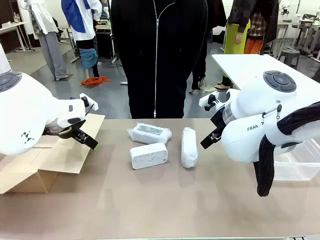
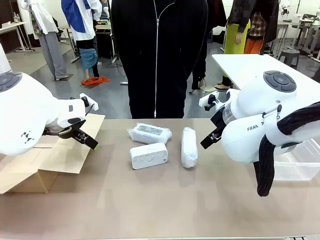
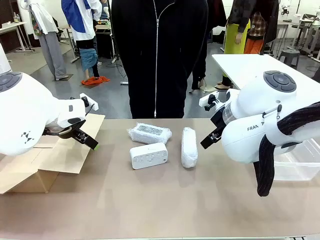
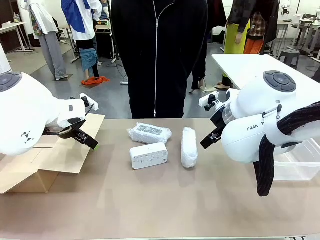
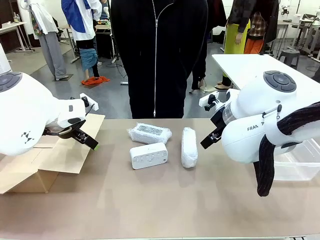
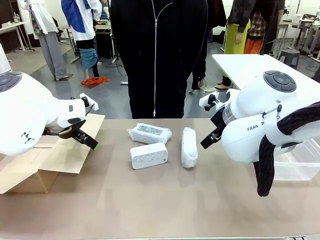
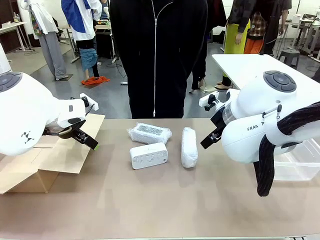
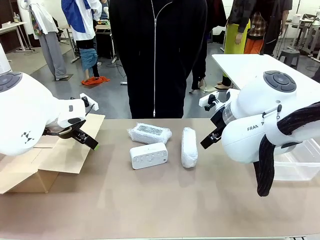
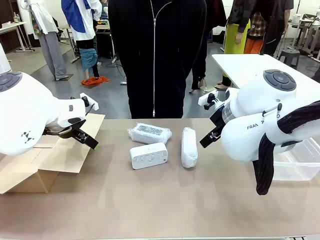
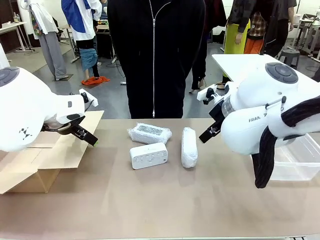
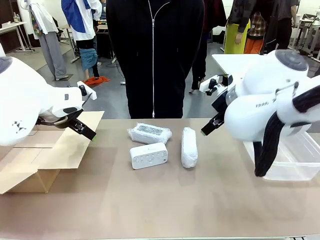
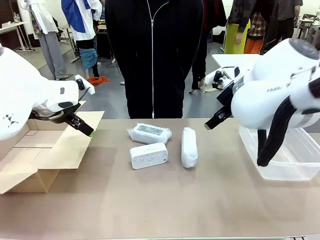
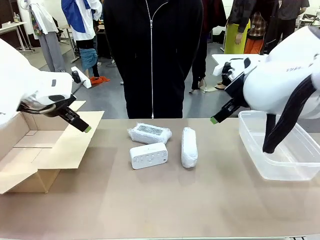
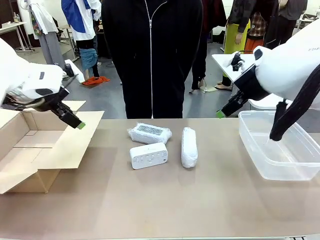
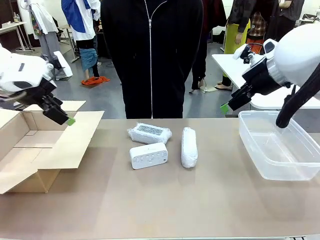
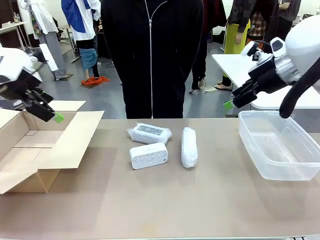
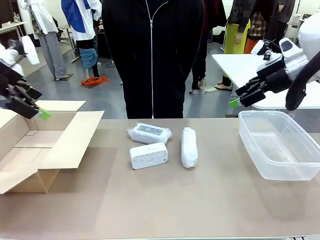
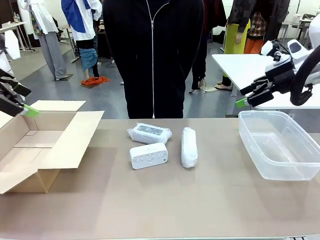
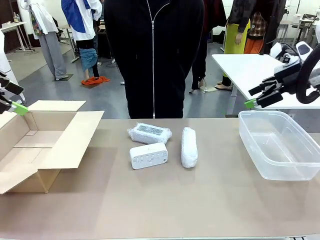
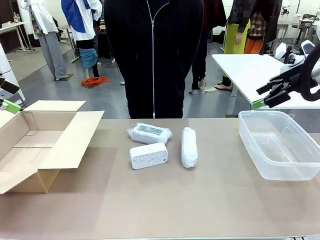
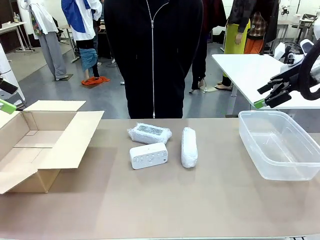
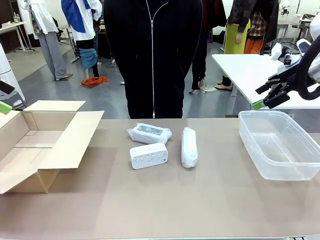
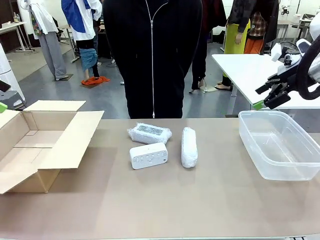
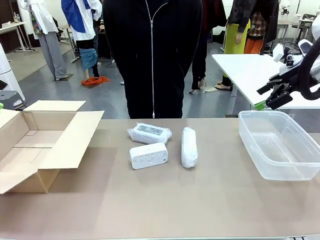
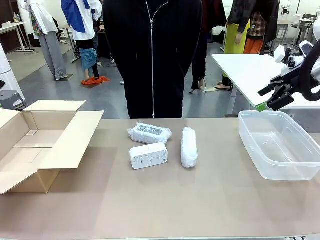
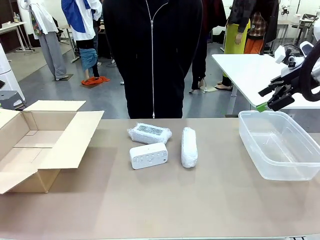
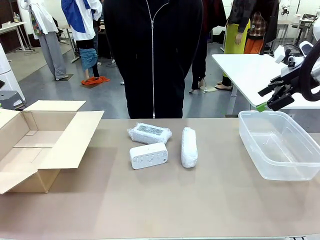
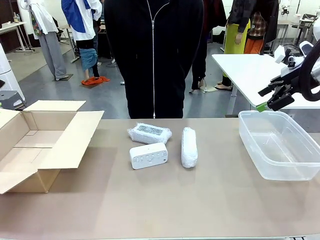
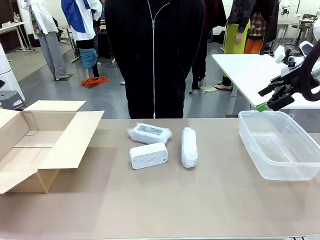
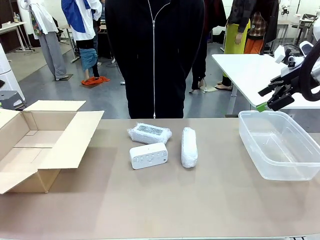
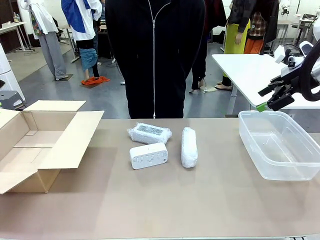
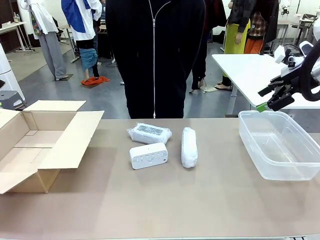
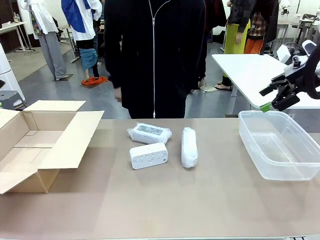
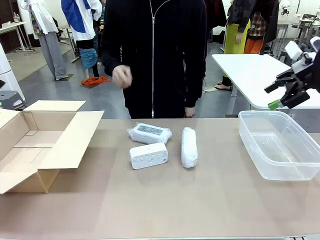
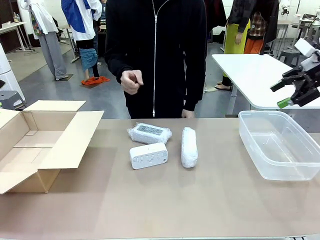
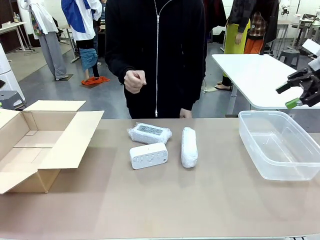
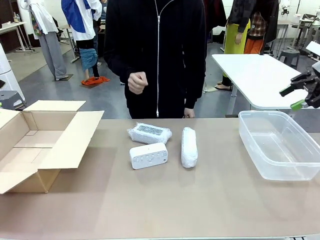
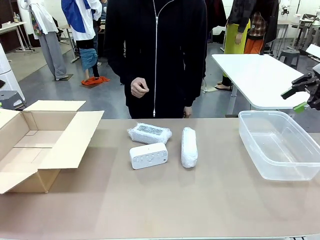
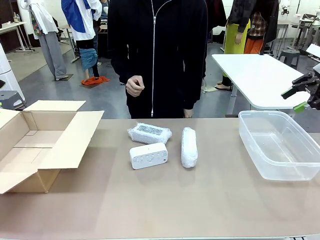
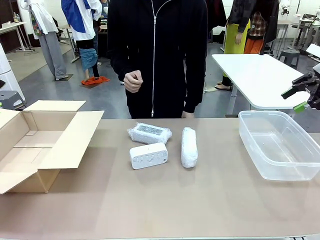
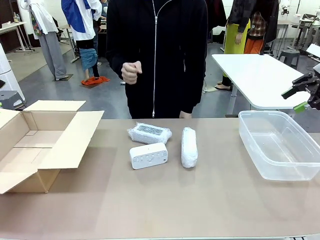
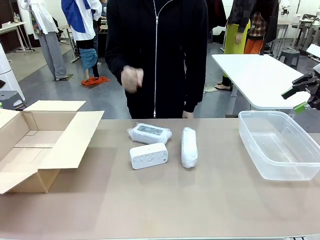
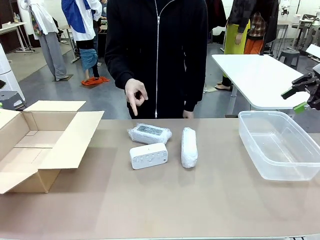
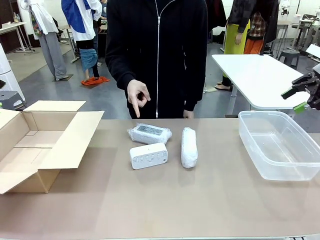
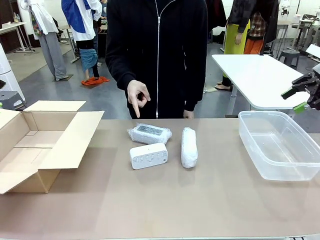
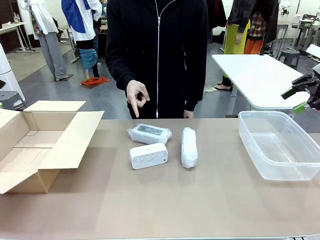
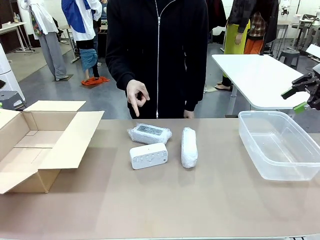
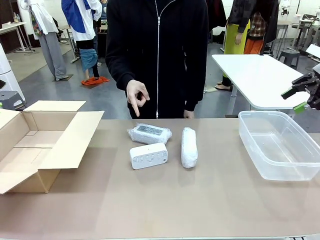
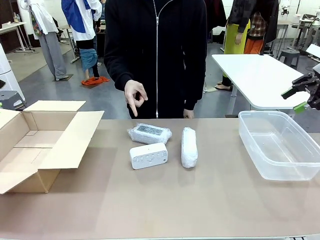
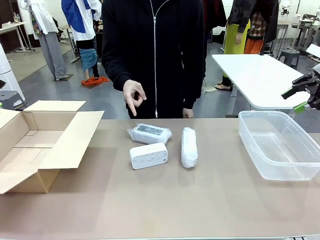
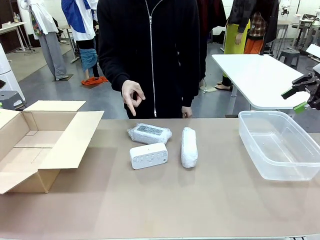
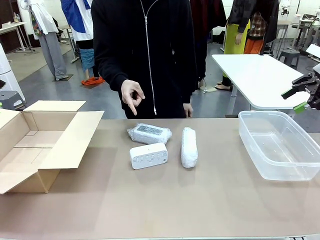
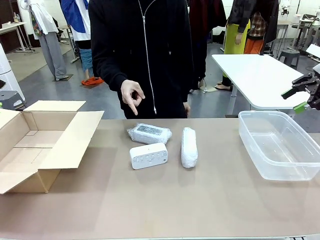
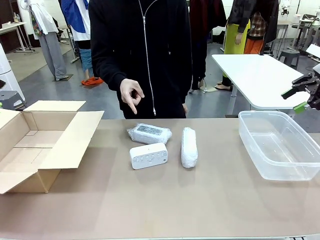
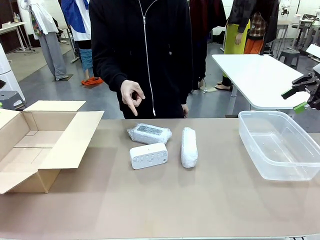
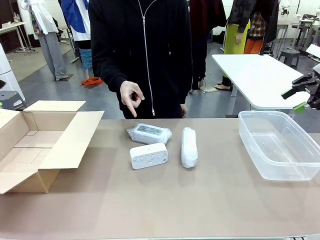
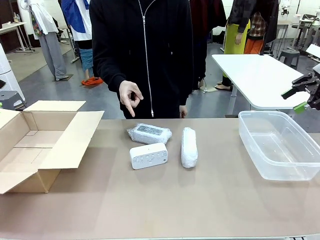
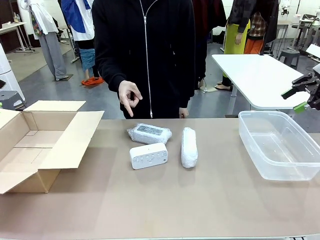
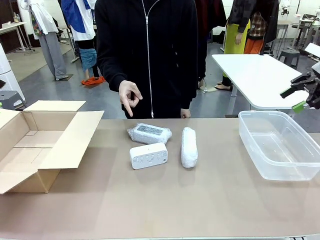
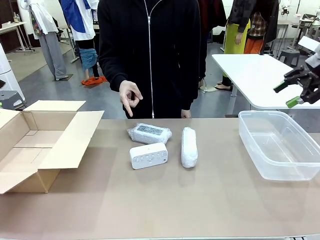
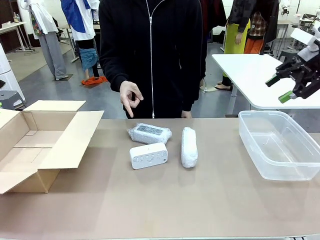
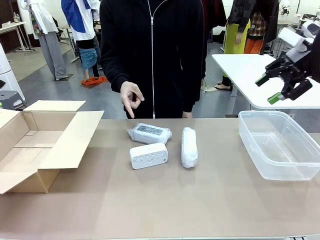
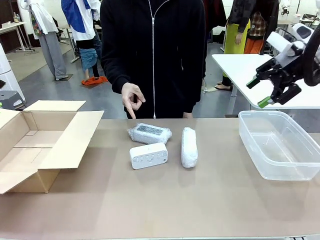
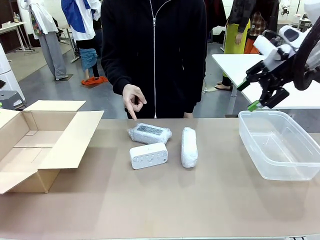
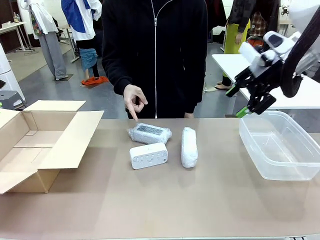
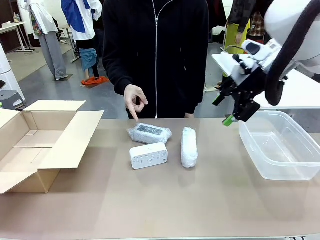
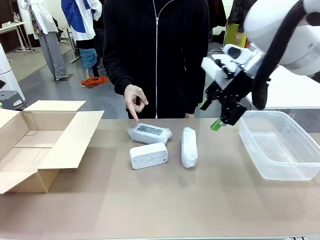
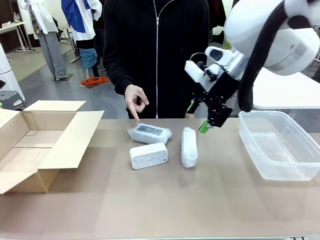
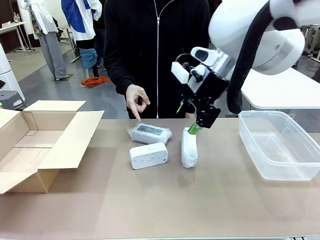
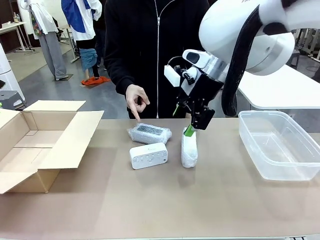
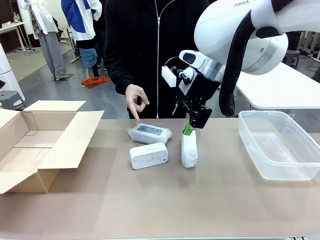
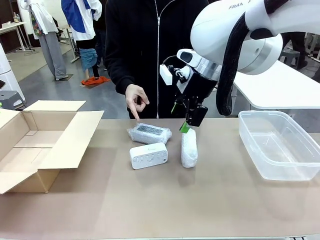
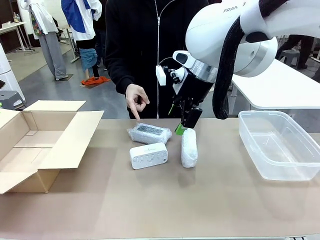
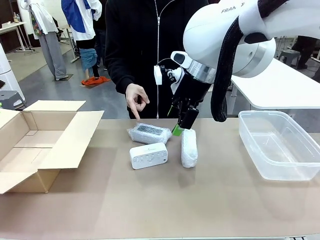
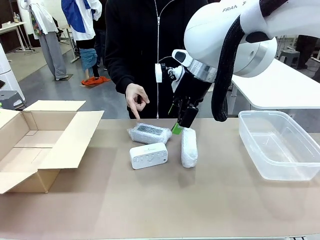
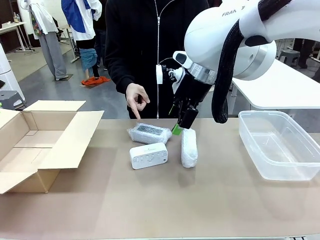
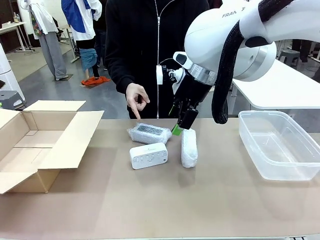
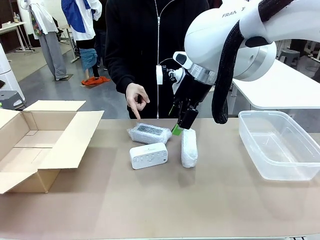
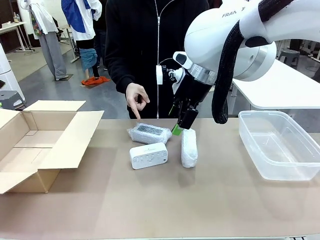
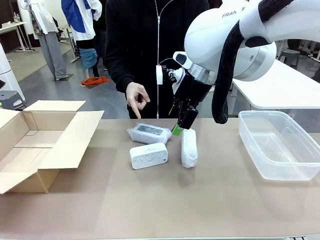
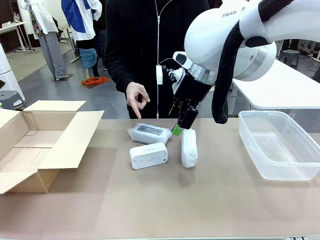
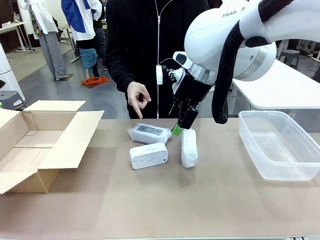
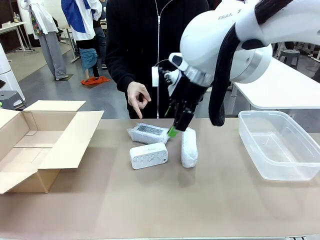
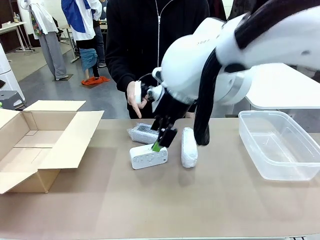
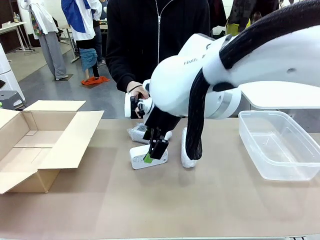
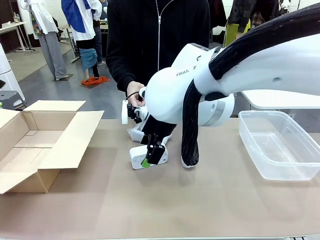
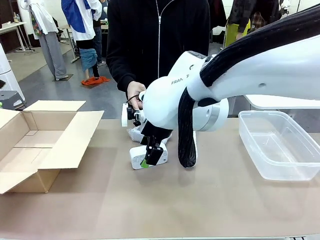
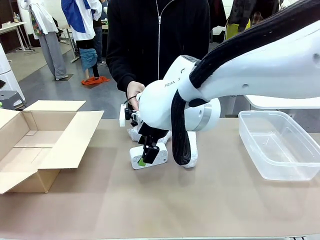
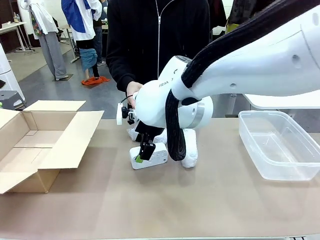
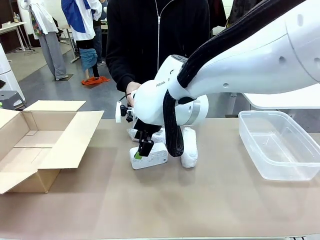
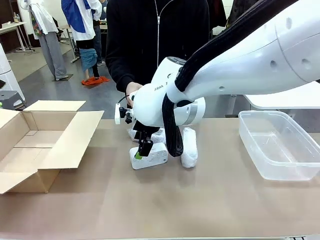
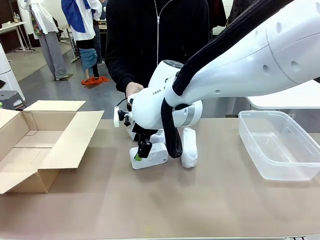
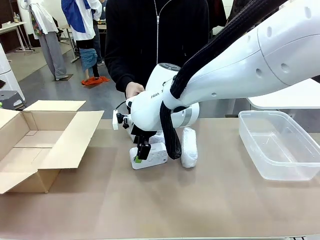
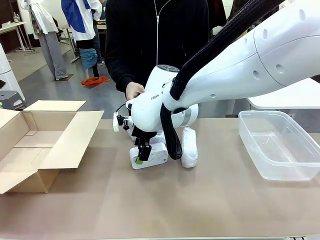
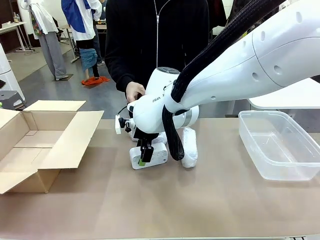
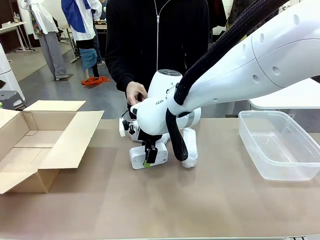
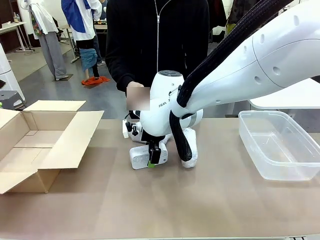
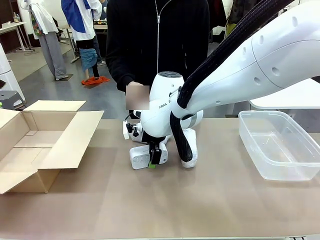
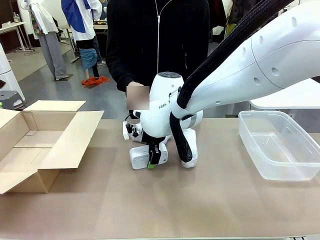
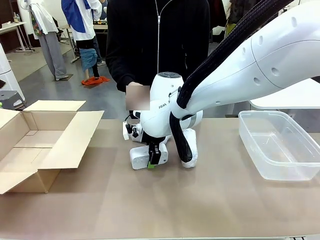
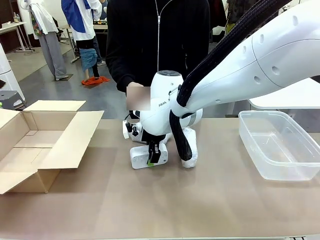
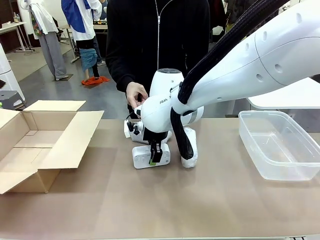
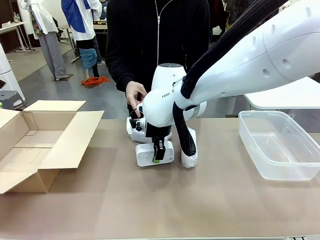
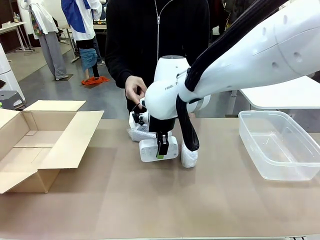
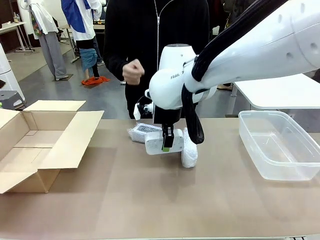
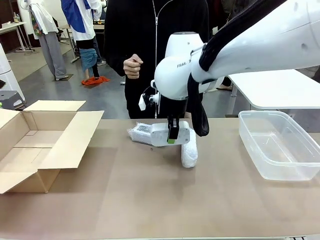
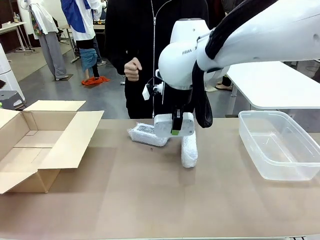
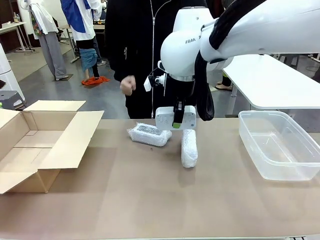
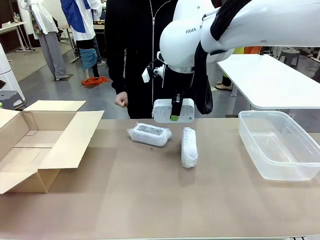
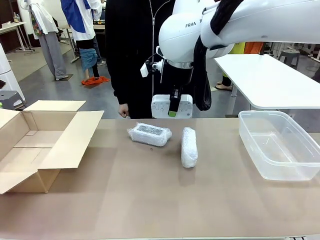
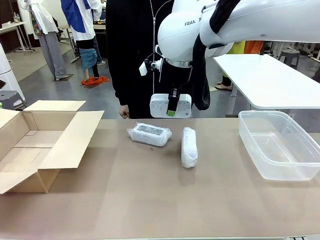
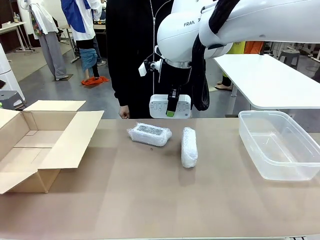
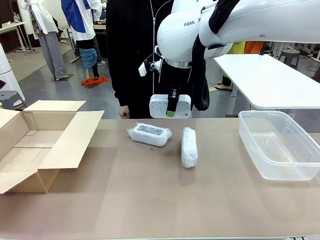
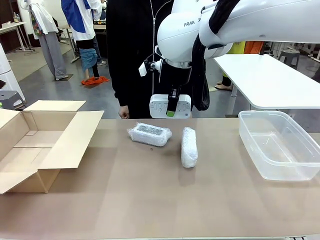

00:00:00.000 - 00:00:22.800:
Task: Separate and place wrapped and unwrapped clocks.
Robot: Pick up the Digital clock indicated by the person.
